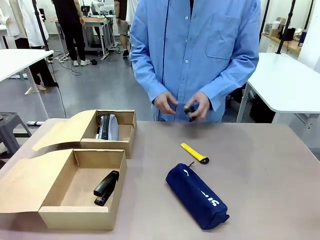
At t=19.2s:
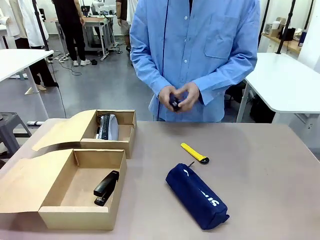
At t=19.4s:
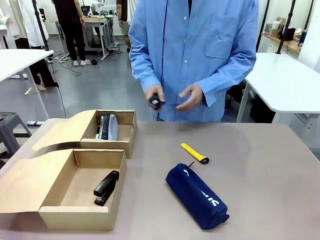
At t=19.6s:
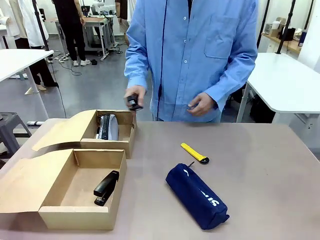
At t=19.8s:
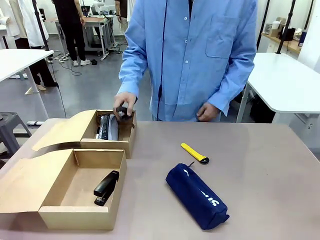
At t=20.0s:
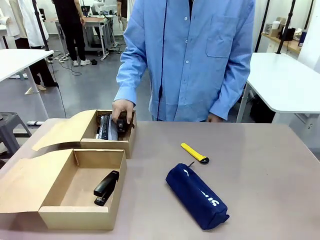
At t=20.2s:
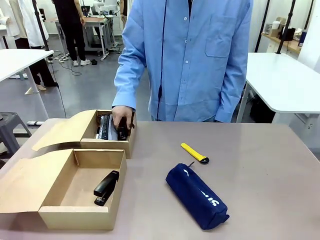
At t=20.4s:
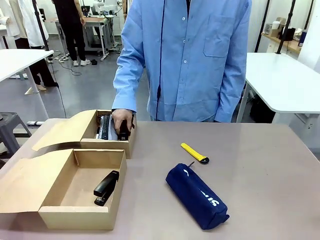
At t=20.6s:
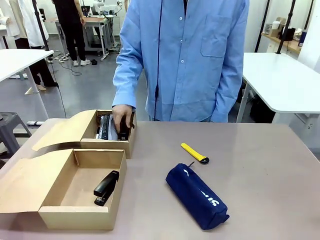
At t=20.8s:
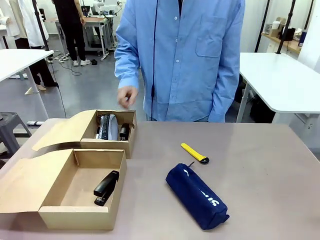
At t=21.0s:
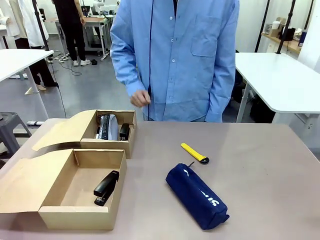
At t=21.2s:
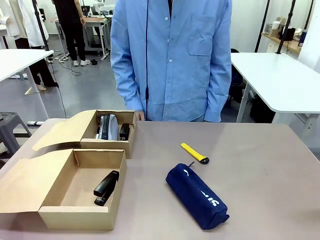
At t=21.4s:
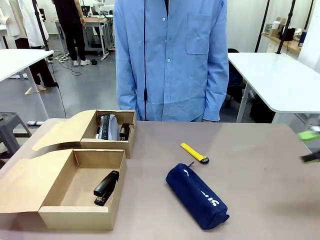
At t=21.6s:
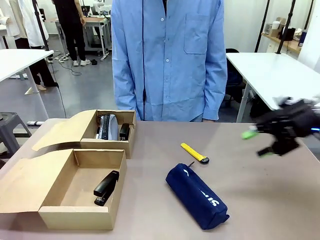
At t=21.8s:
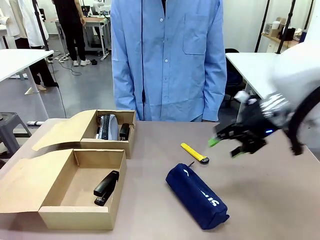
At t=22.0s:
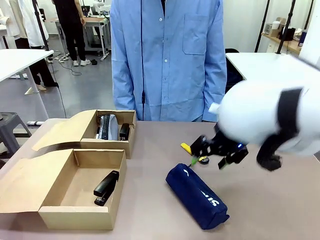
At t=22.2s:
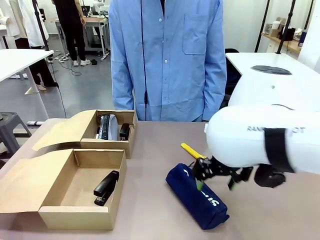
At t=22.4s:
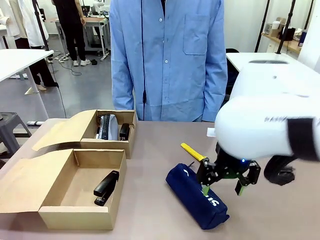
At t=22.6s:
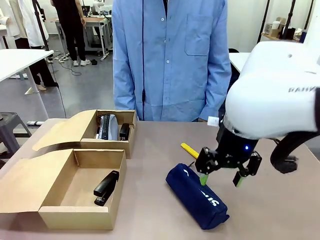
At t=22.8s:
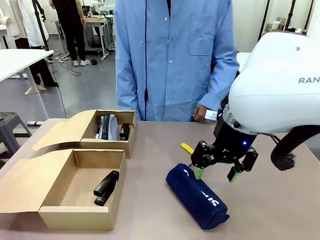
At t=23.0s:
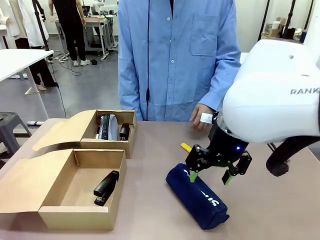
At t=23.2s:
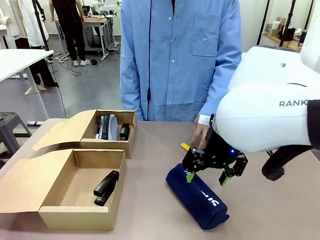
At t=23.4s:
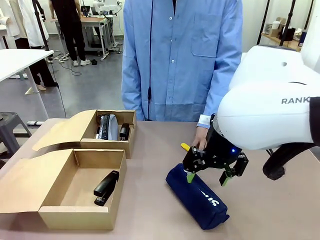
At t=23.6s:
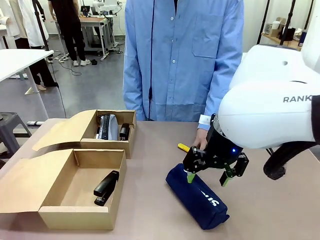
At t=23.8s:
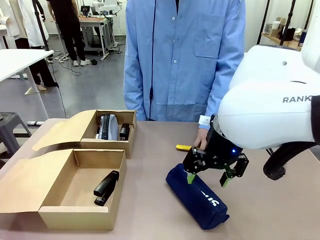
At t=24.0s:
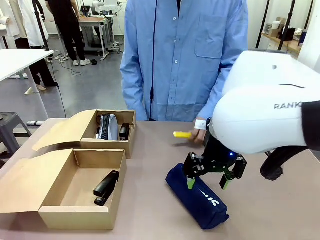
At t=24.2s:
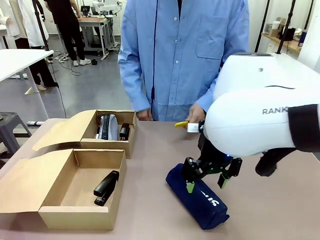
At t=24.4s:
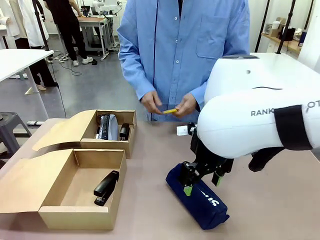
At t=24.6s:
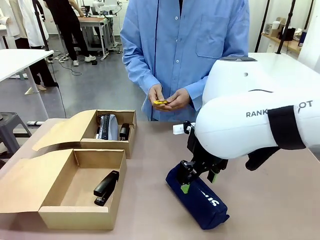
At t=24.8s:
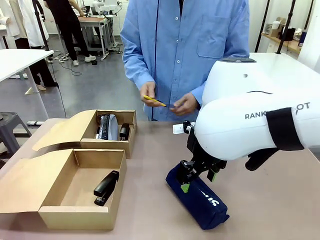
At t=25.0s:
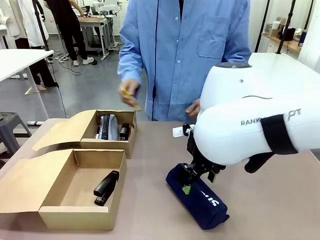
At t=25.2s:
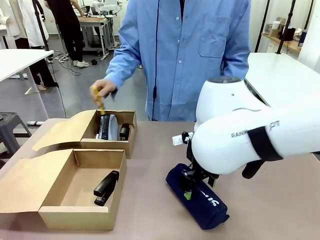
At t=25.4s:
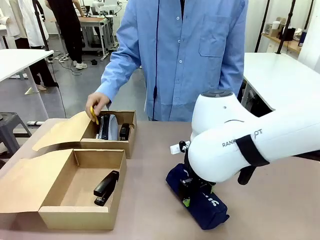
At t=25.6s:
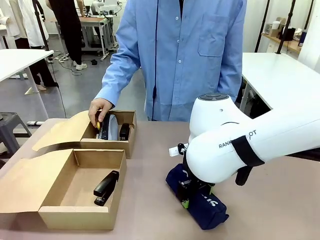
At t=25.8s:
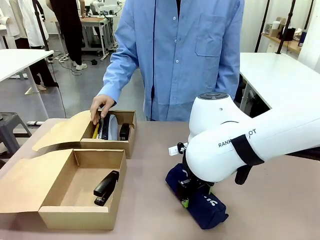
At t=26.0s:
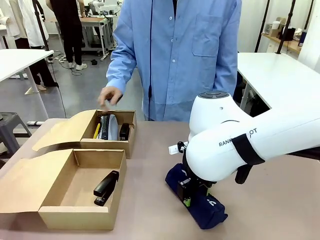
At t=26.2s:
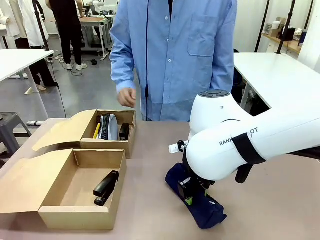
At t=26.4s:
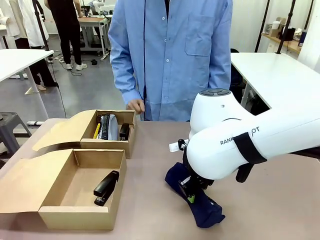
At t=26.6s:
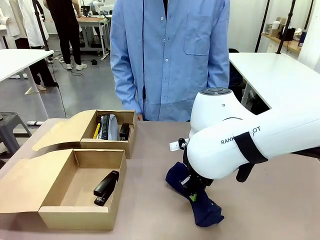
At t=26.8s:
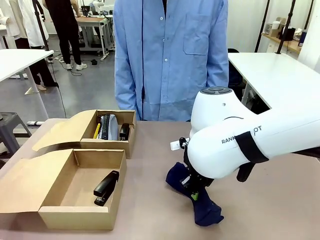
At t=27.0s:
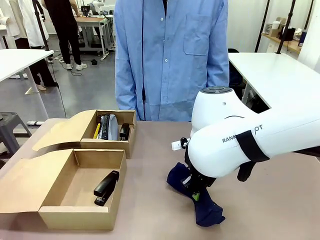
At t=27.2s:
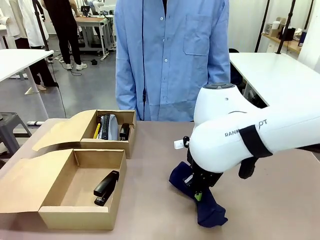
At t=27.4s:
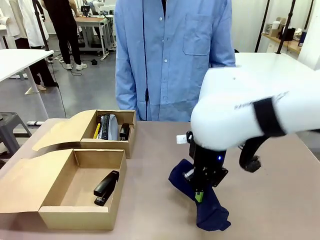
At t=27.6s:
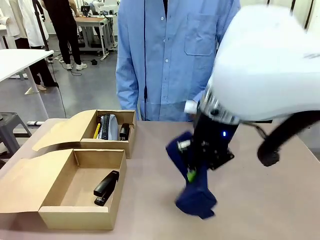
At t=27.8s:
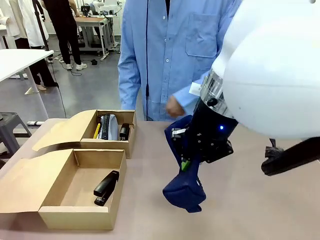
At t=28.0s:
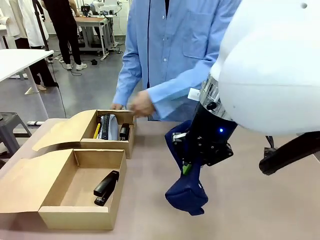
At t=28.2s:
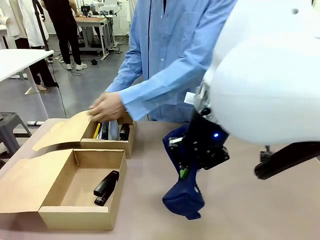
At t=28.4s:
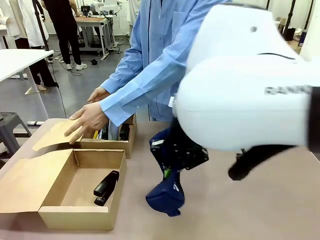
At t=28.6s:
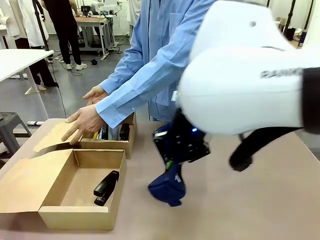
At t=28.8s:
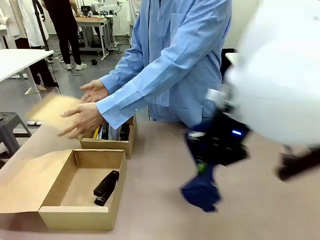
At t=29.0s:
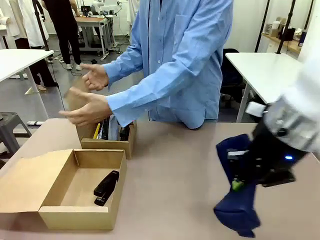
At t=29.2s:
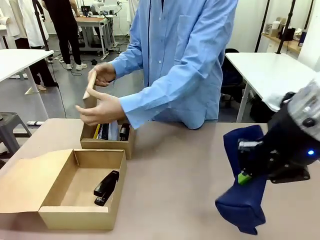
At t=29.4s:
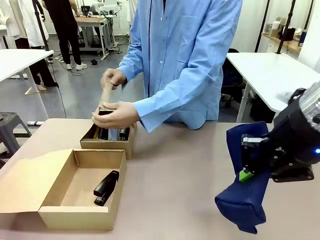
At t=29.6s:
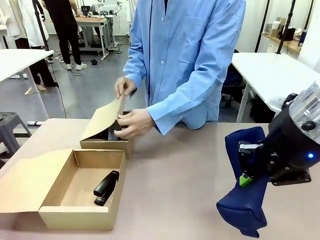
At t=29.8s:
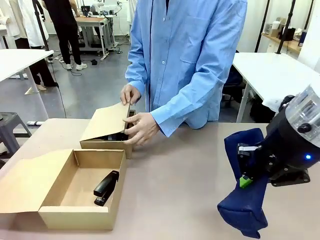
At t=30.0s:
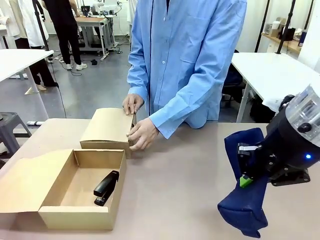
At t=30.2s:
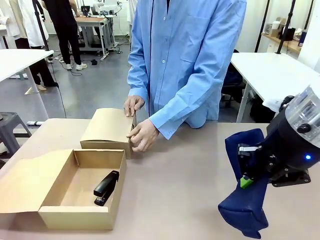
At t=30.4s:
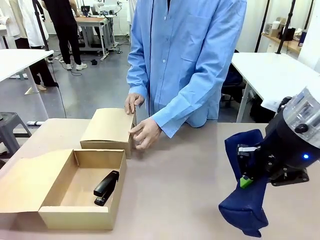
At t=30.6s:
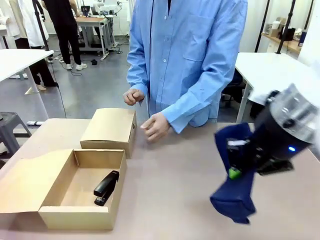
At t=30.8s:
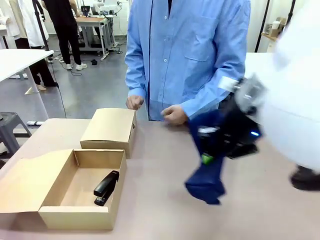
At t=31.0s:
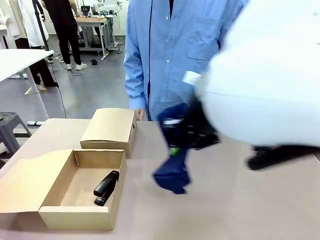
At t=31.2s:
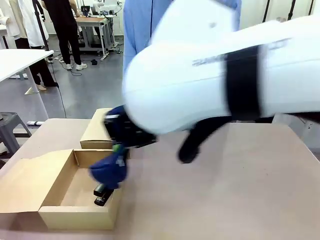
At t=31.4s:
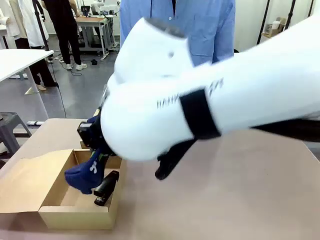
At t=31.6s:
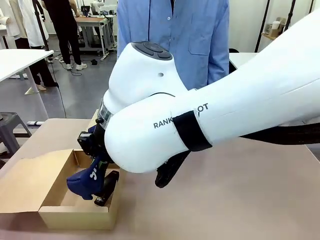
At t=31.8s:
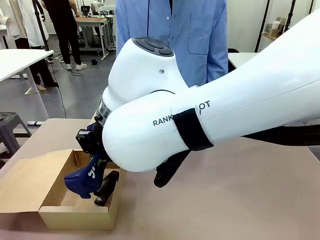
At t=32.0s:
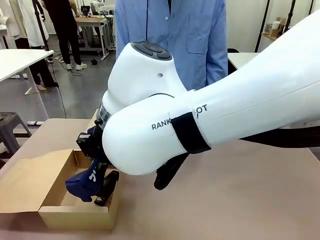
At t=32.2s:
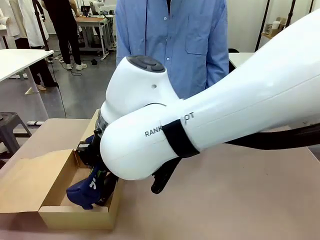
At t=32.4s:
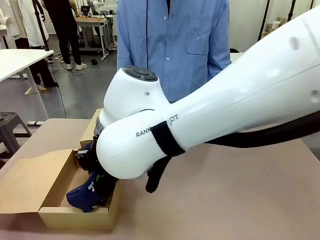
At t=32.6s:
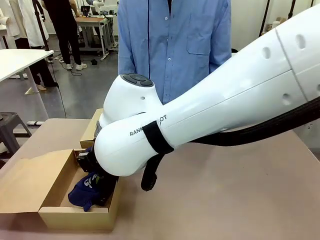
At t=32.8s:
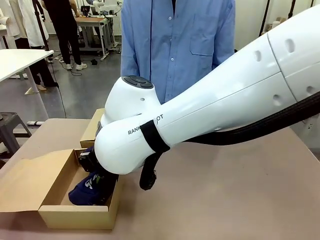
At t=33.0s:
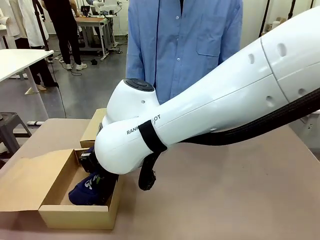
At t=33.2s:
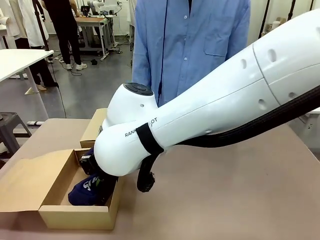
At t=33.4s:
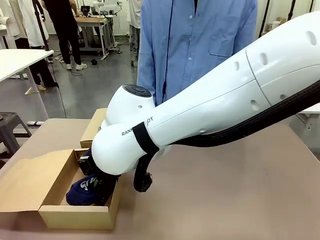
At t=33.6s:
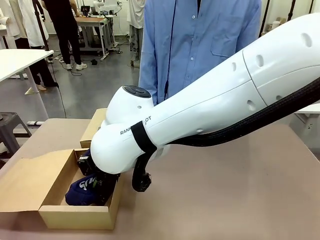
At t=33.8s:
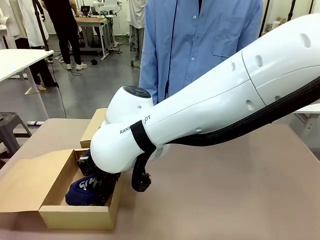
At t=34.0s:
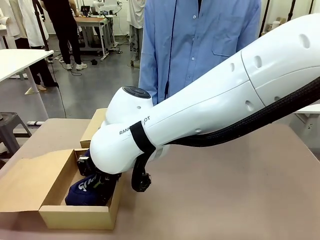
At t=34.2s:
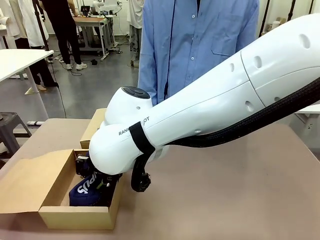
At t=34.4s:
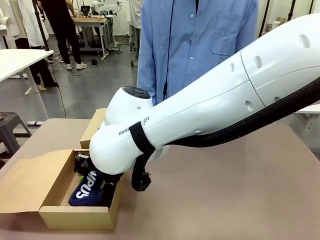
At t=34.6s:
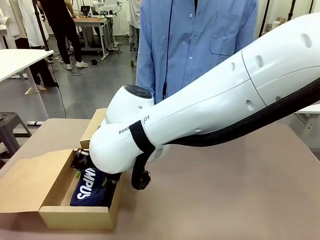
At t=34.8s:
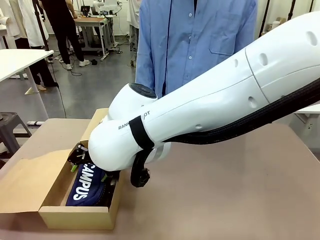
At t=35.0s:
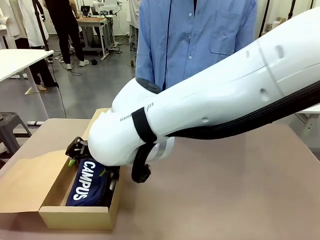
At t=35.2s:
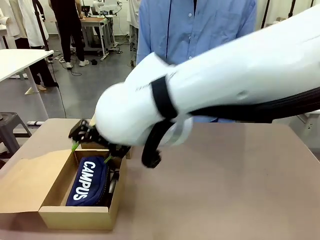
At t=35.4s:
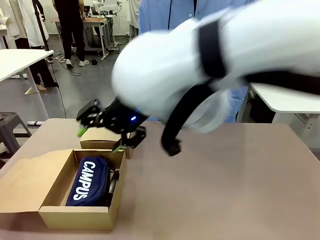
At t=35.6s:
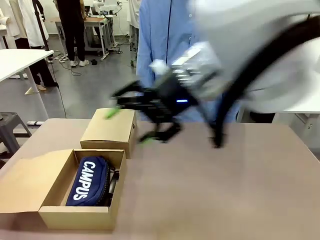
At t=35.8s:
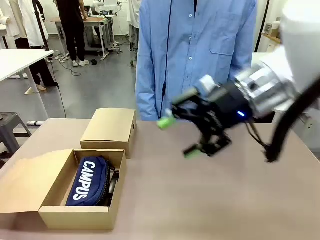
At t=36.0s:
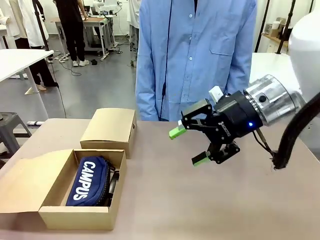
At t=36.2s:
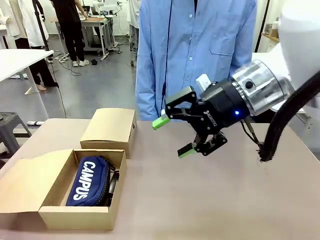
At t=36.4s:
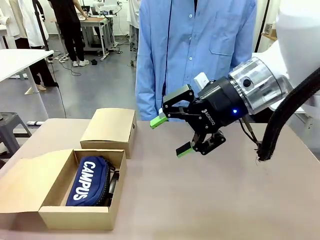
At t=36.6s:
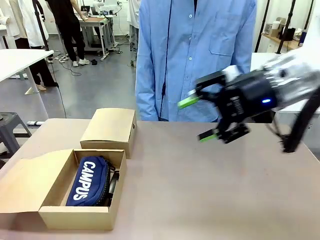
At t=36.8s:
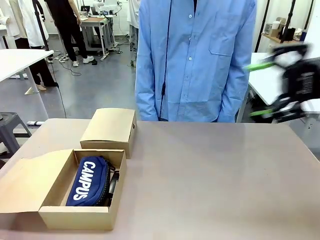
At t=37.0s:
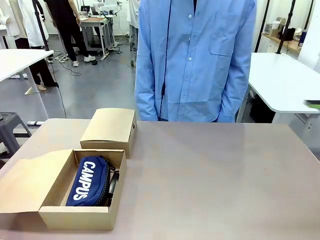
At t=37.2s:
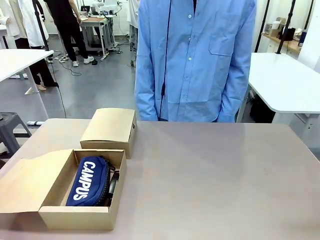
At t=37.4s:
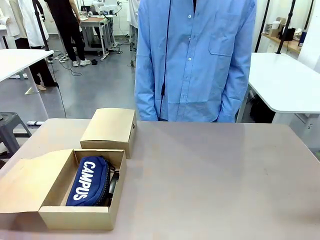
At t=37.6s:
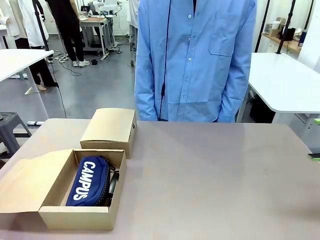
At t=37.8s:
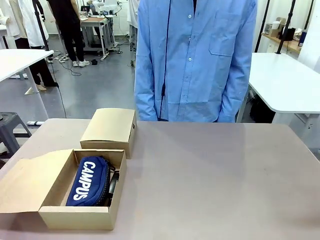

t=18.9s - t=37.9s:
Task: Place items inside the box.
Robot: Pick up a Pencil pouch or Stapler and place it inside the Mailer Box closest to the robot.
Person: Close the lid of the box facing the person.
